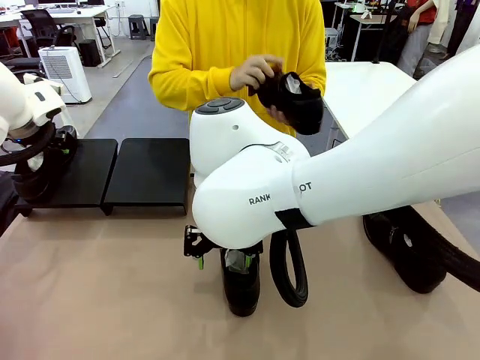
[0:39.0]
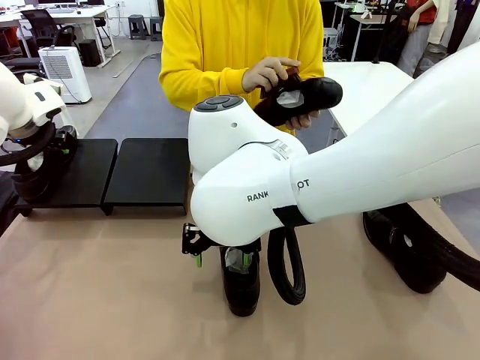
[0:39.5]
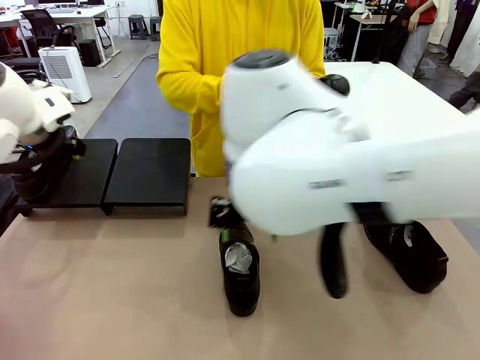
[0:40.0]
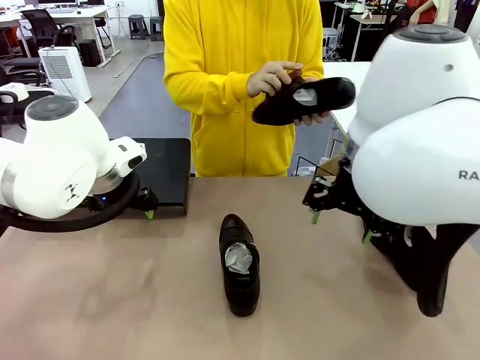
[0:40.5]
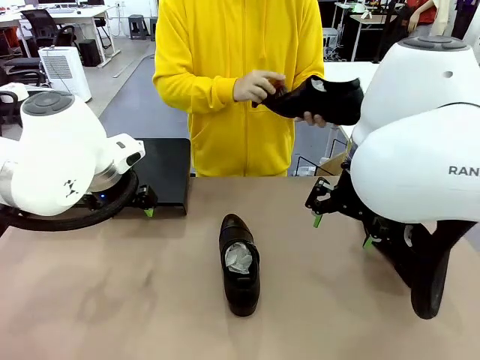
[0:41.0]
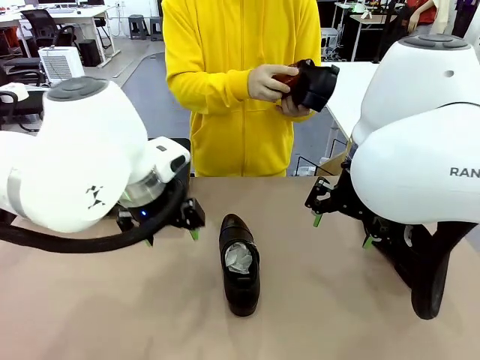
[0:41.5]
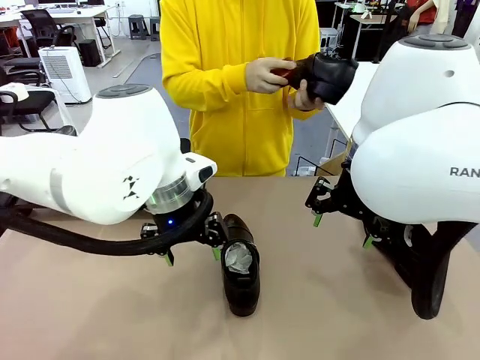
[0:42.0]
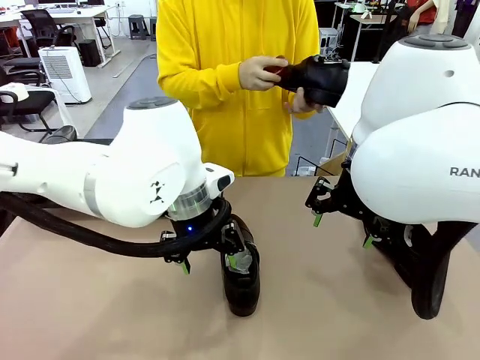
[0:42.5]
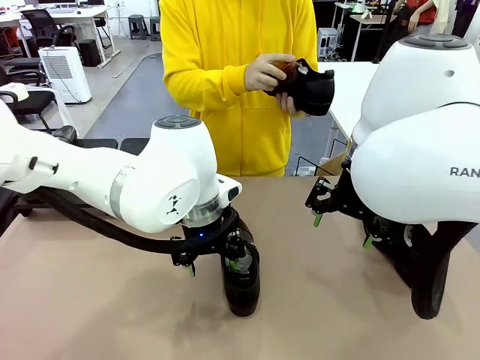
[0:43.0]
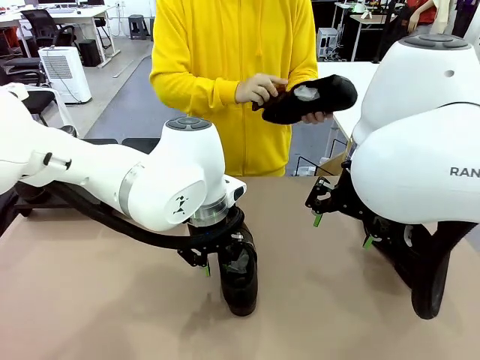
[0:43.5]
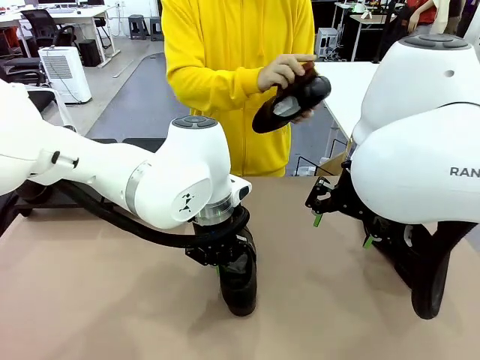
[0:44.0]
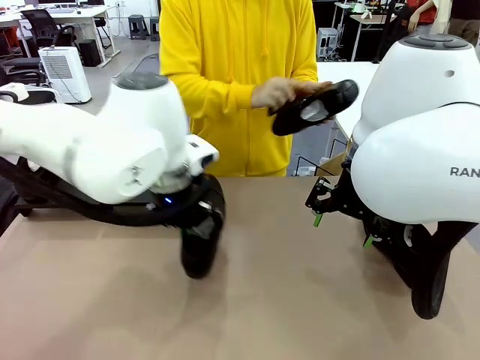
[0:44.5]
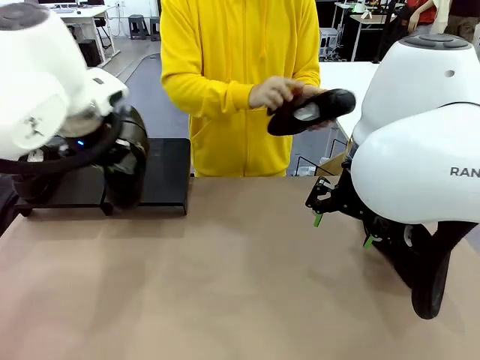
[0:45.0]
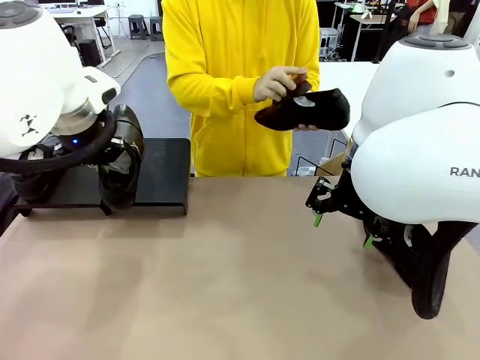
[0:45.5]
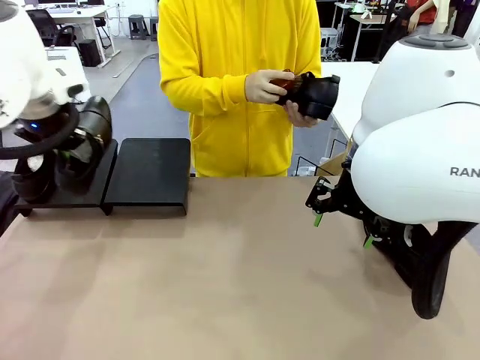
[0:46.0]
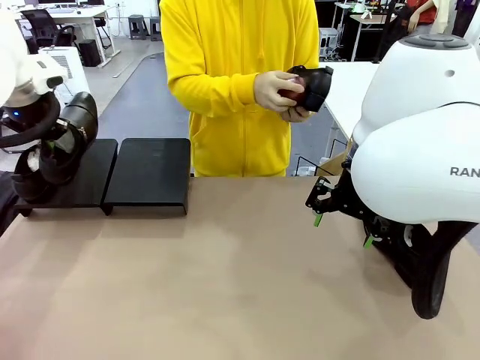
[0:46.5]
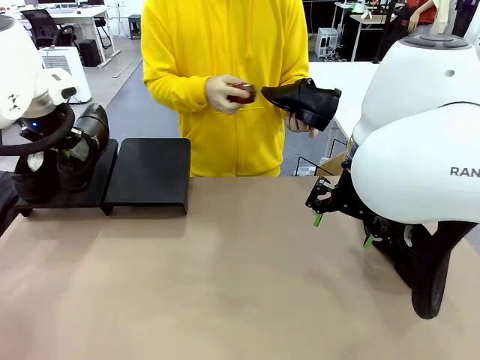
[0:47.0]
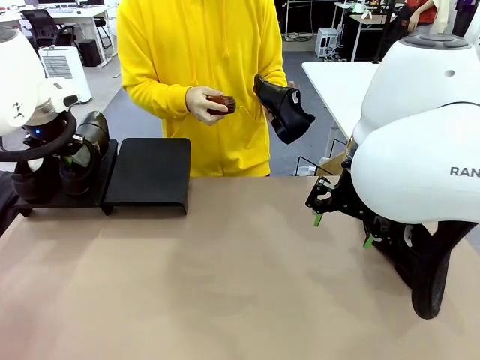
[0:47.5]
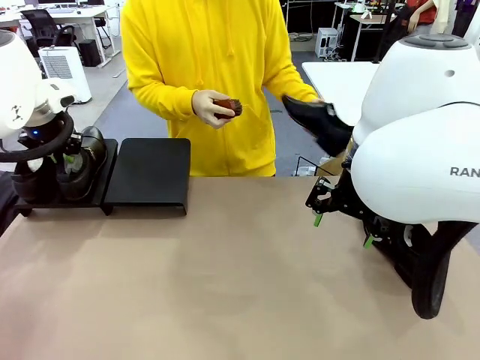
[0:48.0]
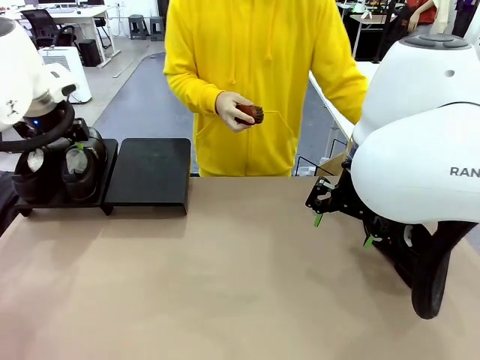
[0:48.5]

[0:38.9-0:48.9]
Task: Organize the shoes by placing them on the stand.
Robot: Place the Shoe from the middle of the table onto the Shoes Stand.

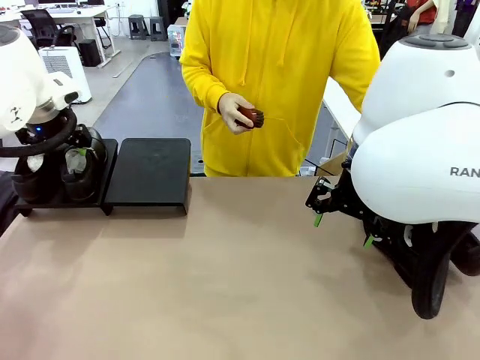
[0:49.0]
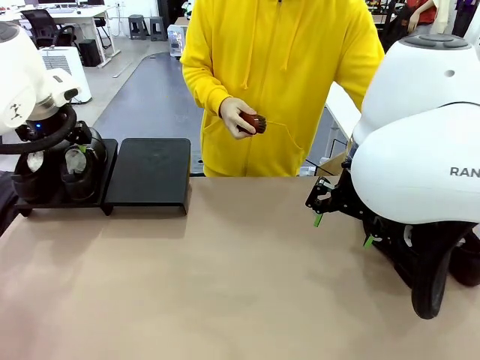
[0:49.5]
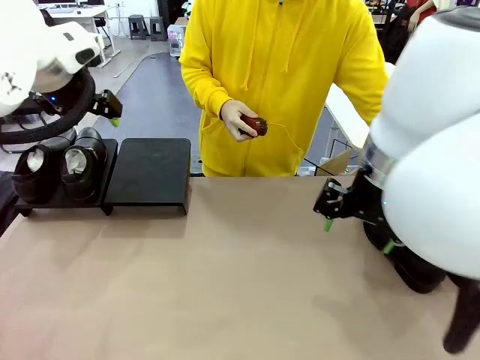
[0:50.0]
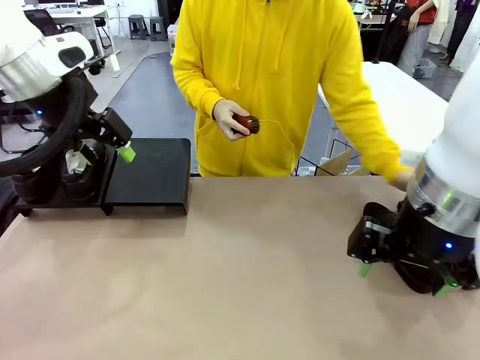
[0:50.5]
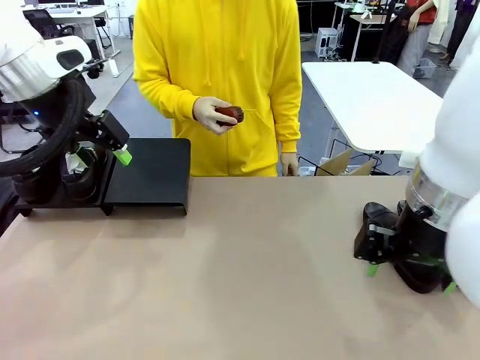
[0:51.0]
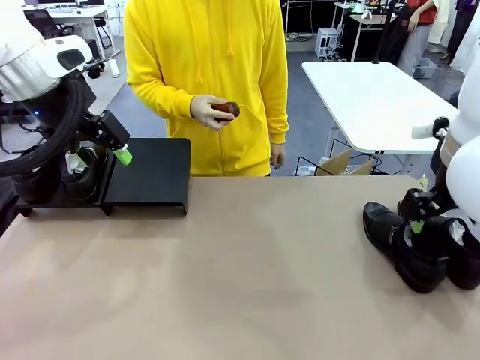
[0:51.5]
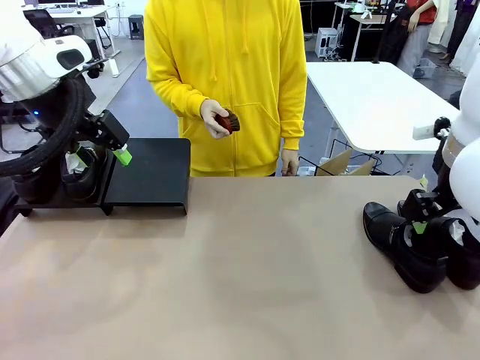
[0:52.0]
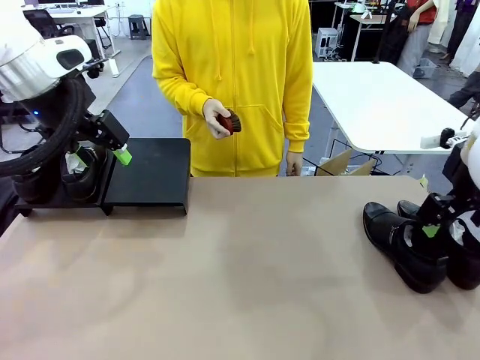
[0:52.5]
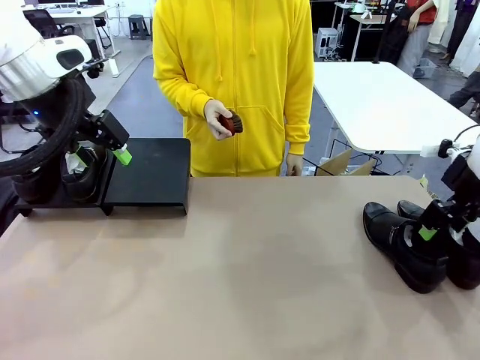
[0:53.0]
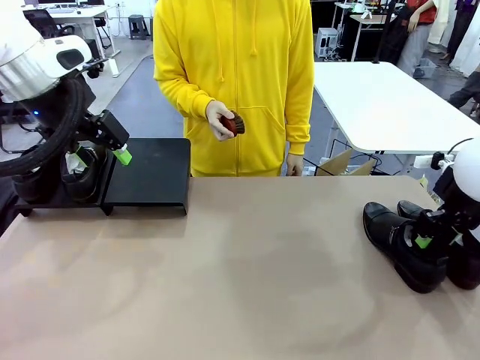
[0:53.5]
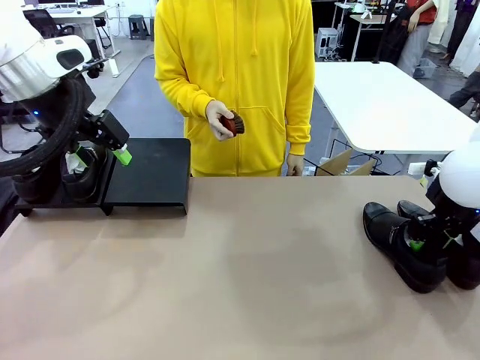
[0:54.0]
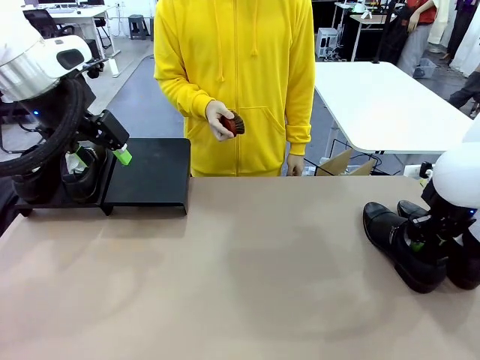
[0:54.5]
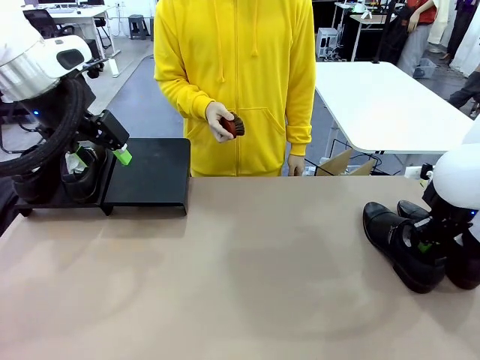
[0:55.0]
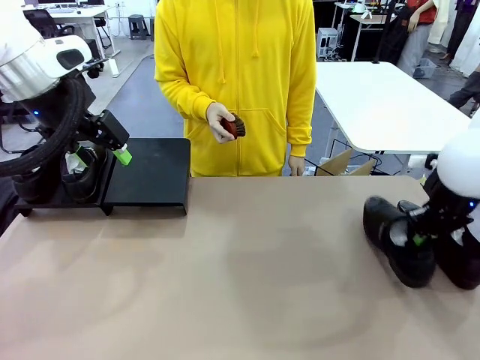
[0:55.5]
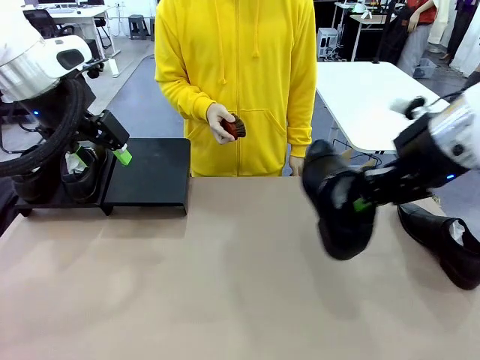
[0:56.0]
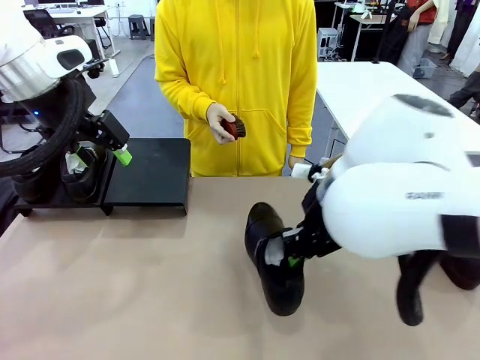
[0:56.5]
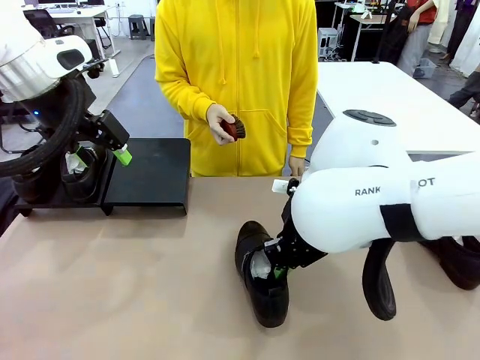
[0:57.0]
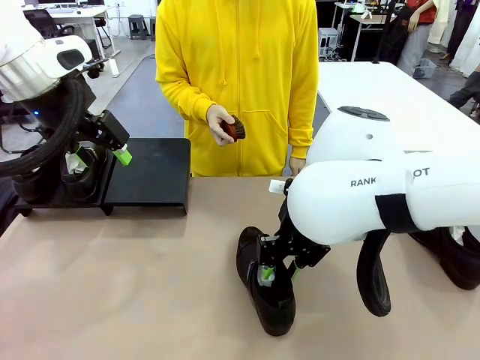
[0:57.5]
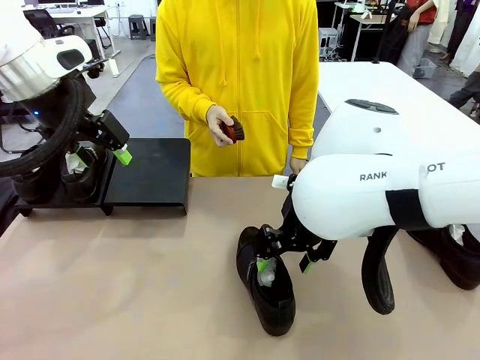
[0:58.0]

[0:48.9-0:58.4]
Robot: Pick up one Shoe and place it in the middle of the table.

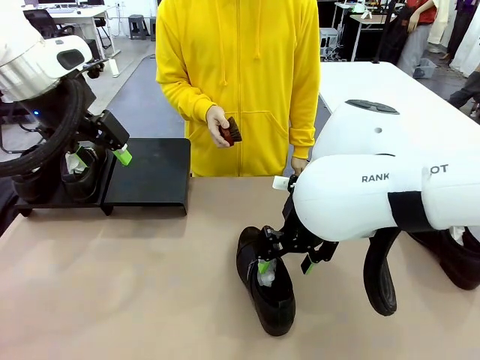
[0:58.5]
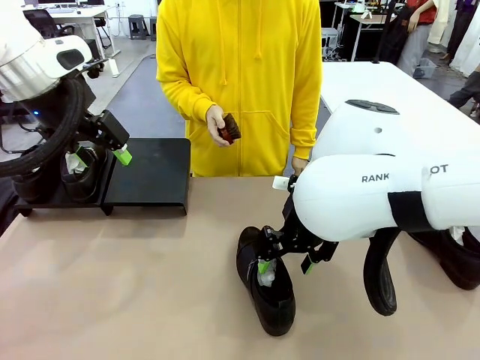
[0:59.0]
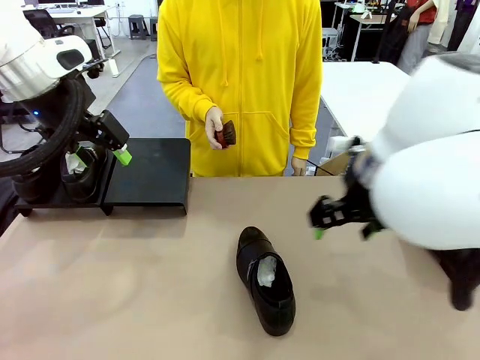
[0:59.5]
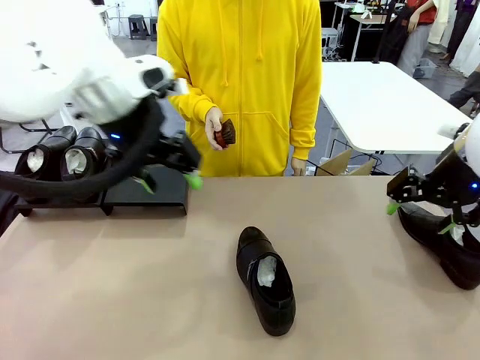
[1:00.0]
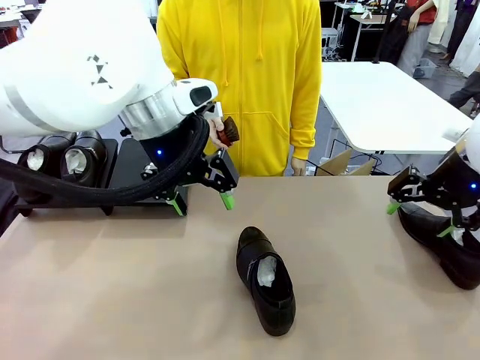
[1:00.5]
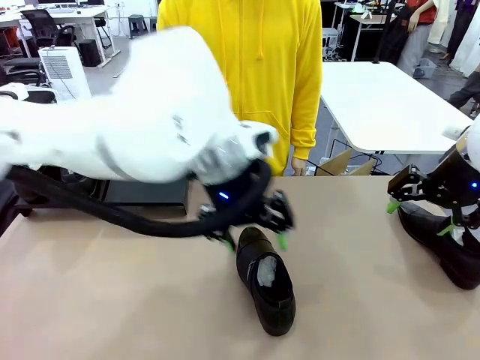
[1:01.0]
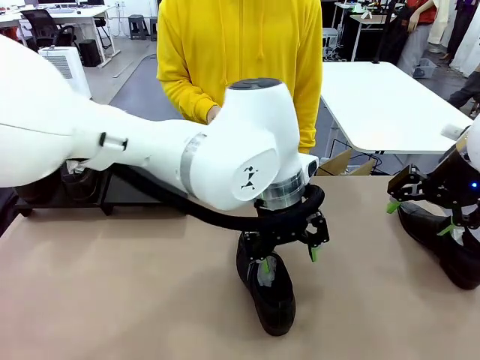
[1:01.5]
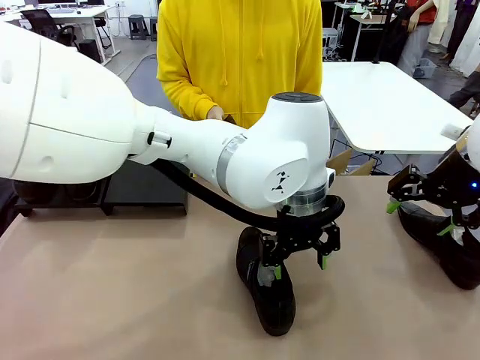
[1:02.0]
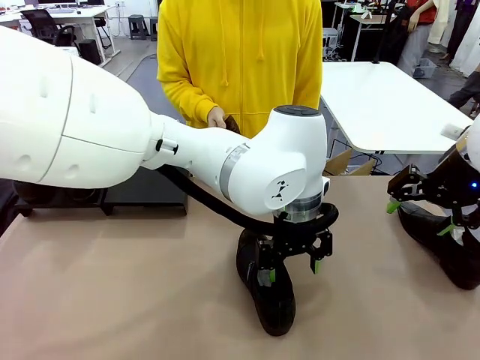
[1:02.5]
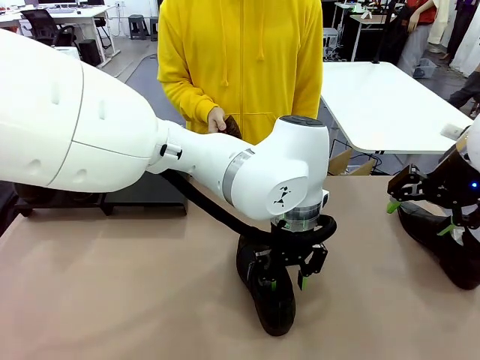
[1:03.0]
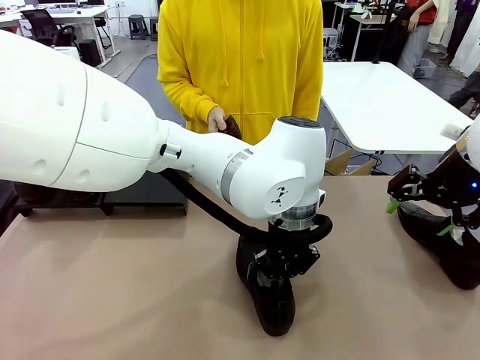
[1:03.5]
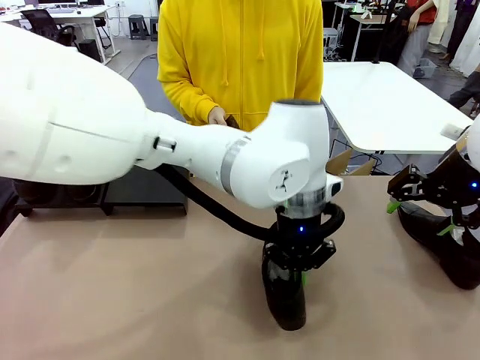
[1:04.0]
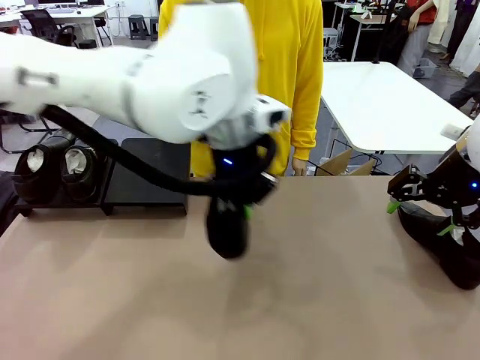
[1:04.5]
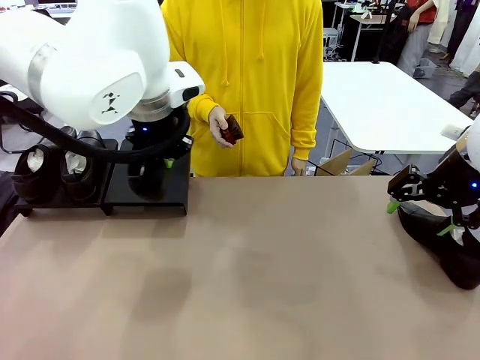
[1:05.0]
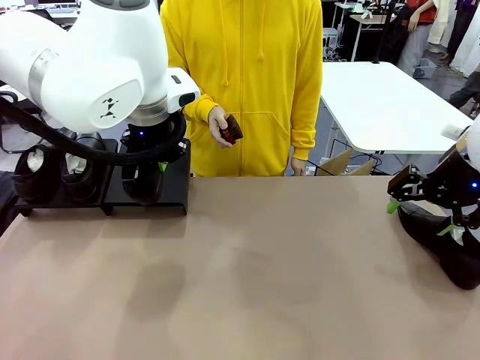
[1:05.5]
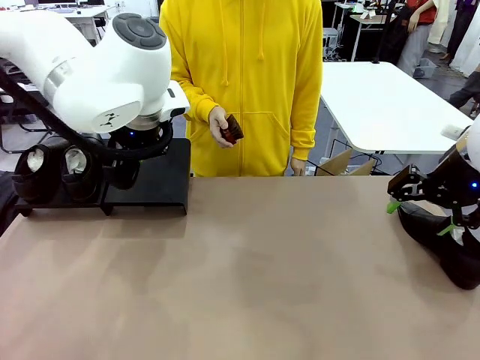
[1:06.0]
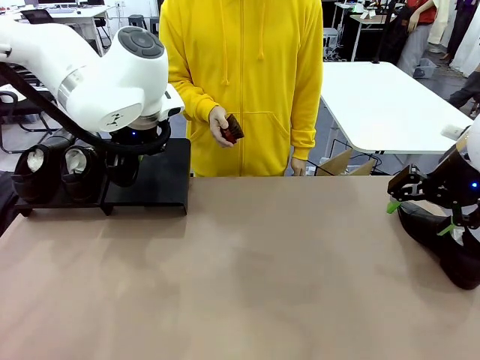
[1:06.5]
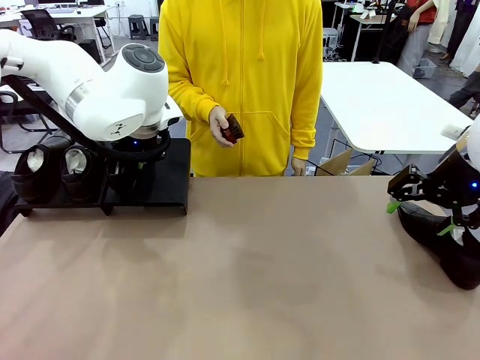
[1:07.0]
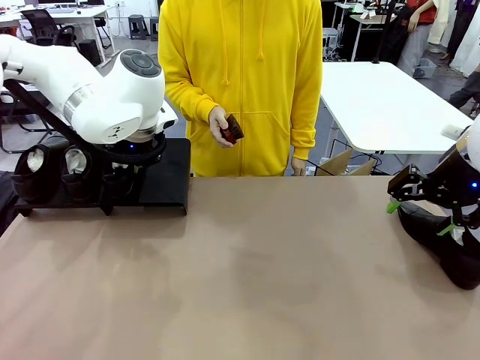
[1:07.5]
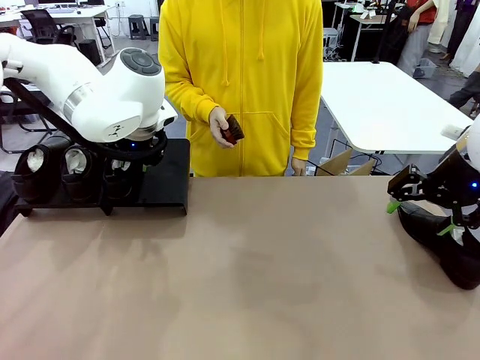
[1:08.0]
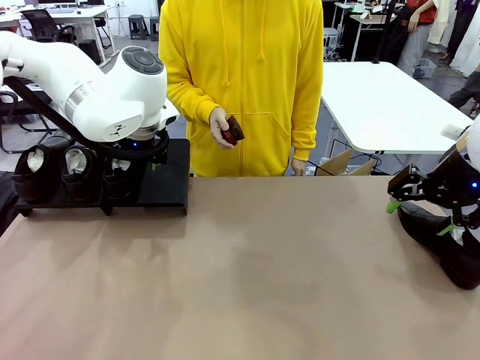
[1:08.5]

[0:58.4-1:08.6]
Robot: Place the Shoe from the middle of the table onto the Shoes Stand.
